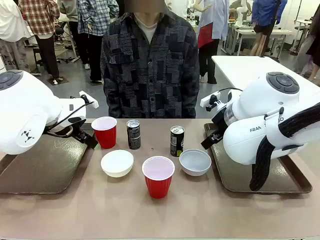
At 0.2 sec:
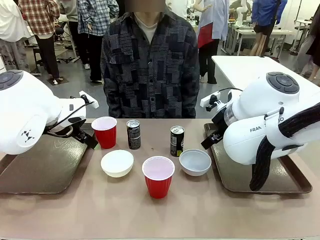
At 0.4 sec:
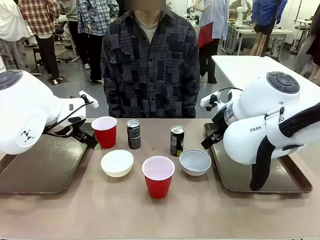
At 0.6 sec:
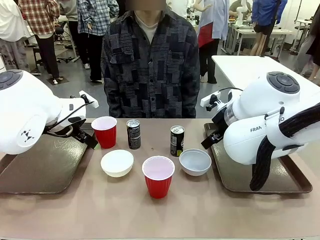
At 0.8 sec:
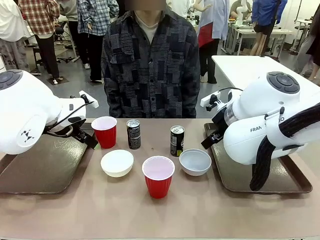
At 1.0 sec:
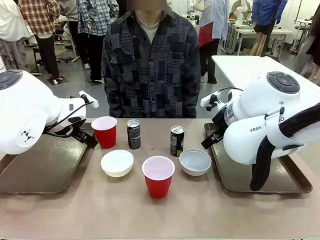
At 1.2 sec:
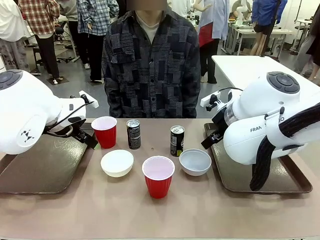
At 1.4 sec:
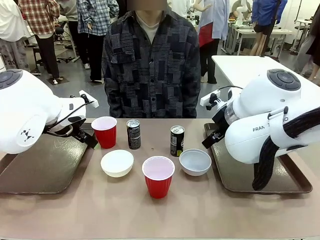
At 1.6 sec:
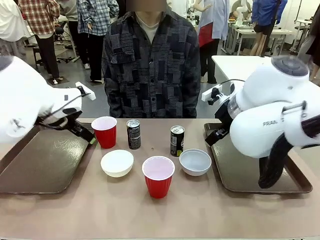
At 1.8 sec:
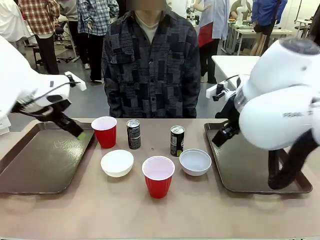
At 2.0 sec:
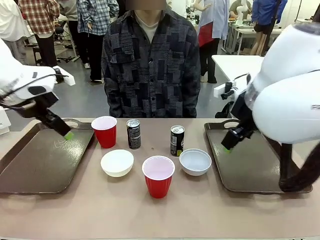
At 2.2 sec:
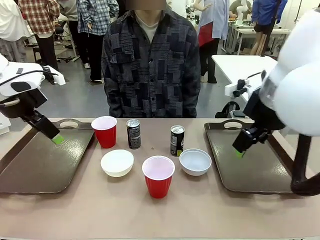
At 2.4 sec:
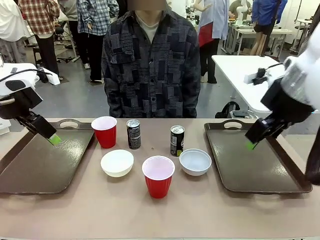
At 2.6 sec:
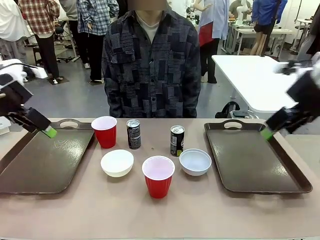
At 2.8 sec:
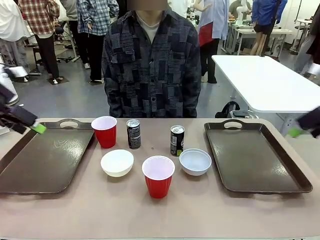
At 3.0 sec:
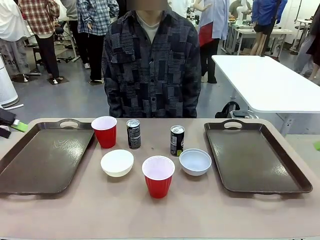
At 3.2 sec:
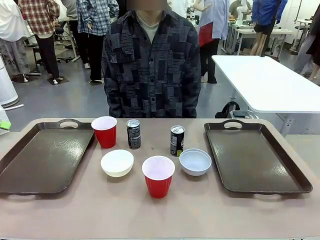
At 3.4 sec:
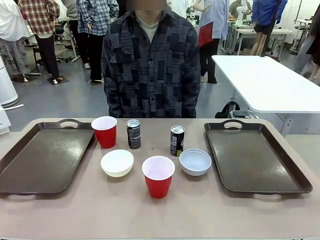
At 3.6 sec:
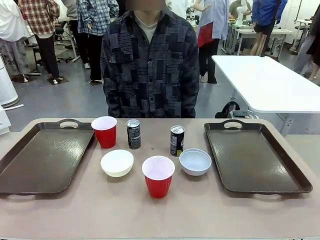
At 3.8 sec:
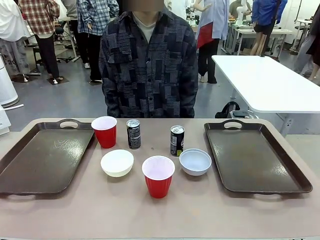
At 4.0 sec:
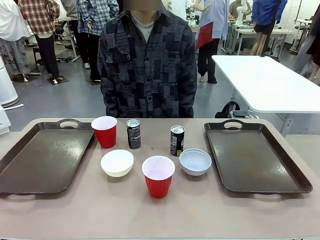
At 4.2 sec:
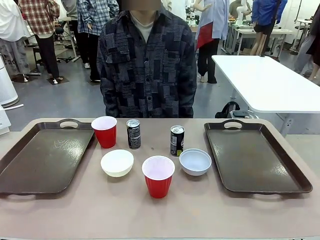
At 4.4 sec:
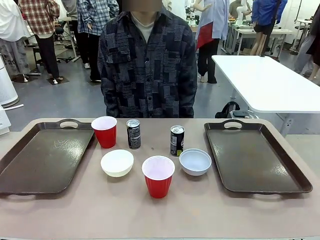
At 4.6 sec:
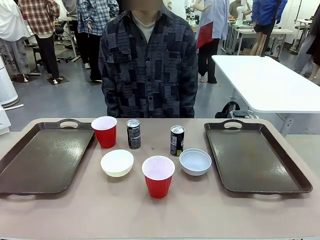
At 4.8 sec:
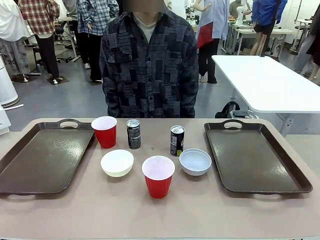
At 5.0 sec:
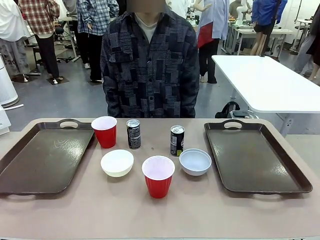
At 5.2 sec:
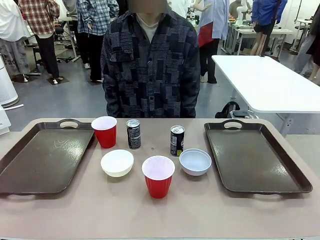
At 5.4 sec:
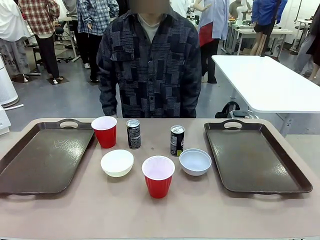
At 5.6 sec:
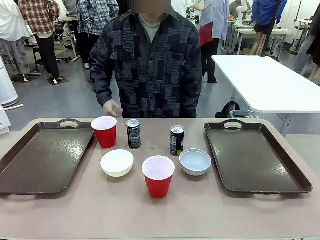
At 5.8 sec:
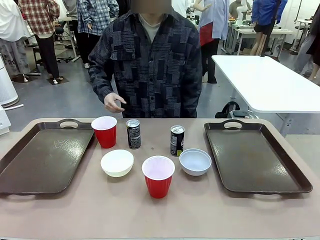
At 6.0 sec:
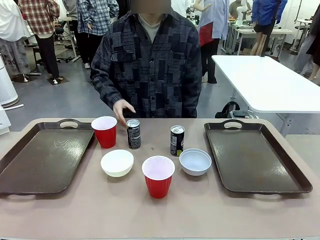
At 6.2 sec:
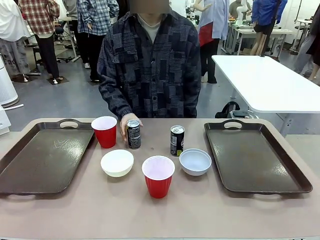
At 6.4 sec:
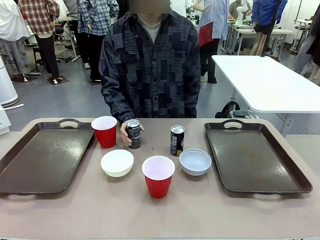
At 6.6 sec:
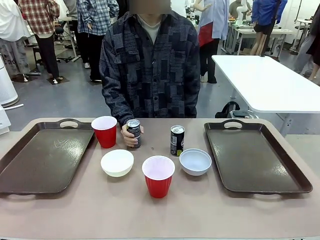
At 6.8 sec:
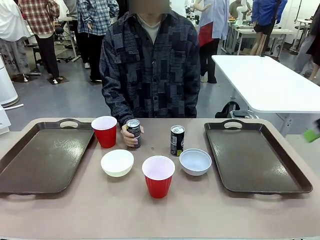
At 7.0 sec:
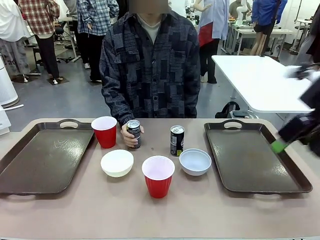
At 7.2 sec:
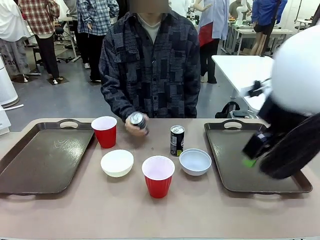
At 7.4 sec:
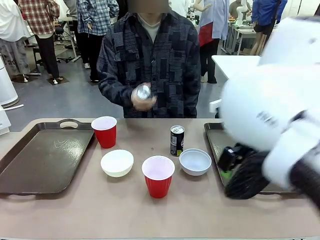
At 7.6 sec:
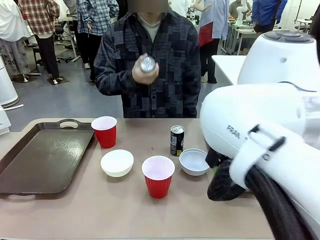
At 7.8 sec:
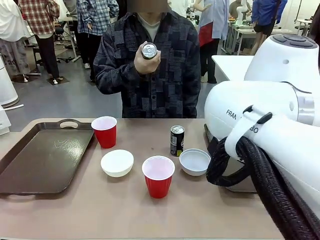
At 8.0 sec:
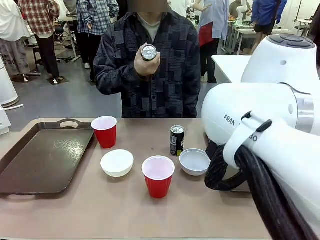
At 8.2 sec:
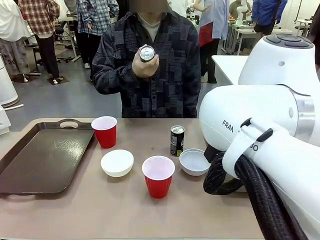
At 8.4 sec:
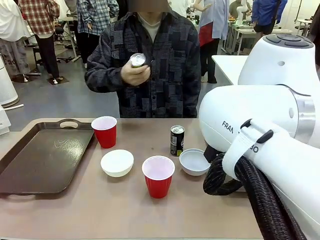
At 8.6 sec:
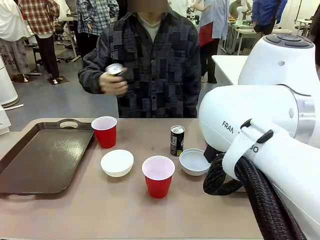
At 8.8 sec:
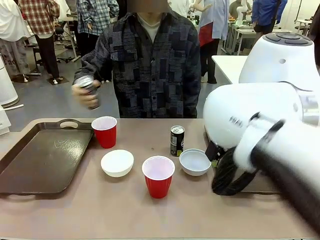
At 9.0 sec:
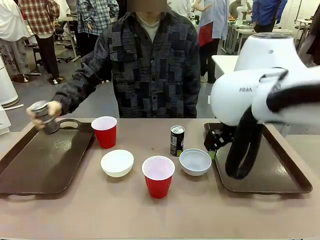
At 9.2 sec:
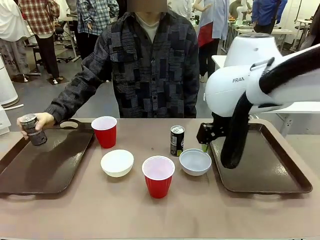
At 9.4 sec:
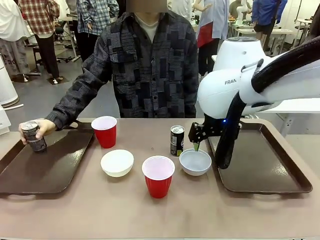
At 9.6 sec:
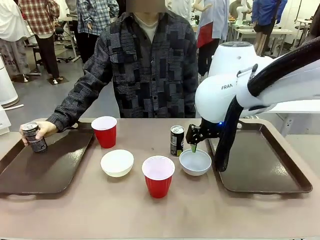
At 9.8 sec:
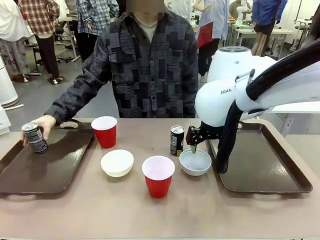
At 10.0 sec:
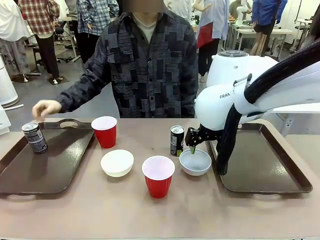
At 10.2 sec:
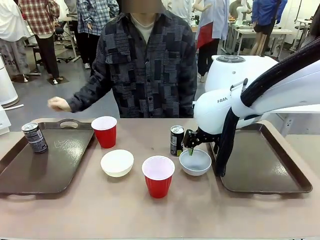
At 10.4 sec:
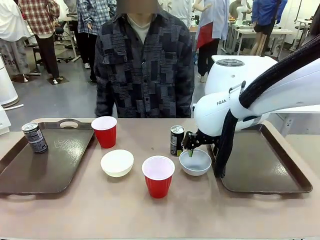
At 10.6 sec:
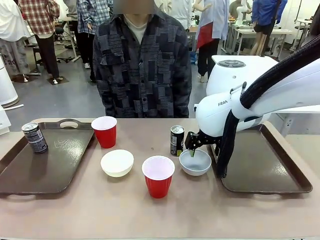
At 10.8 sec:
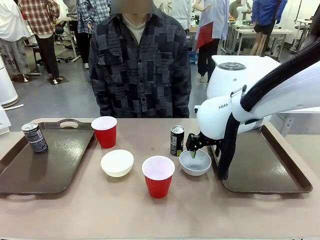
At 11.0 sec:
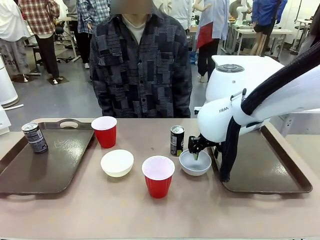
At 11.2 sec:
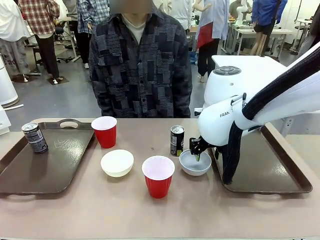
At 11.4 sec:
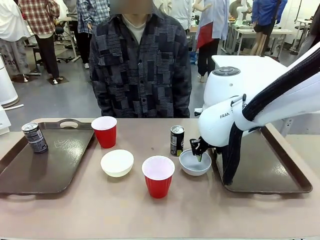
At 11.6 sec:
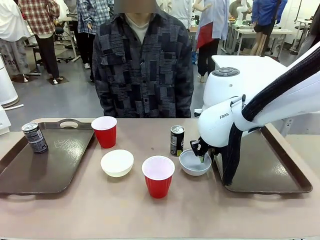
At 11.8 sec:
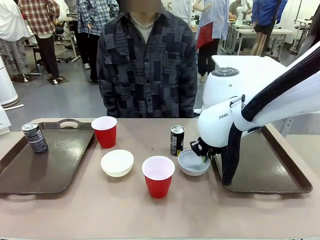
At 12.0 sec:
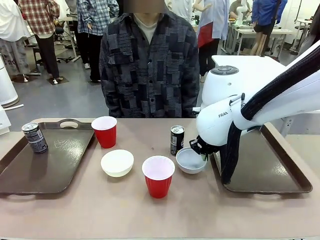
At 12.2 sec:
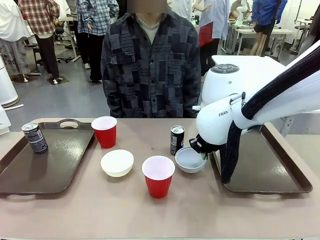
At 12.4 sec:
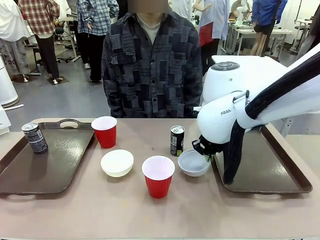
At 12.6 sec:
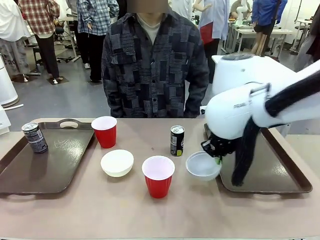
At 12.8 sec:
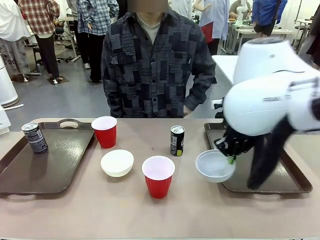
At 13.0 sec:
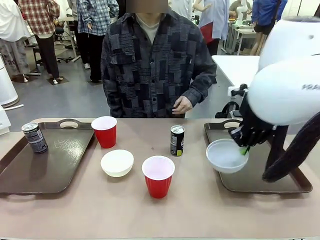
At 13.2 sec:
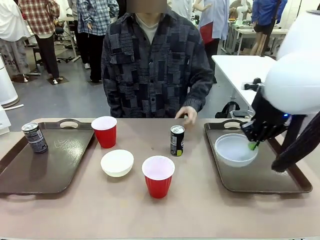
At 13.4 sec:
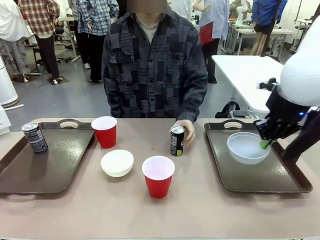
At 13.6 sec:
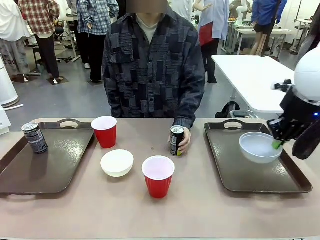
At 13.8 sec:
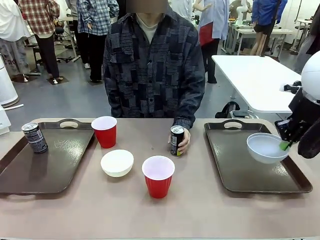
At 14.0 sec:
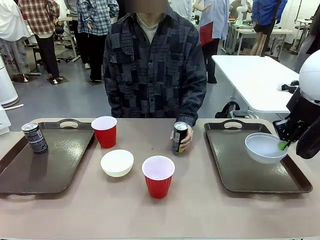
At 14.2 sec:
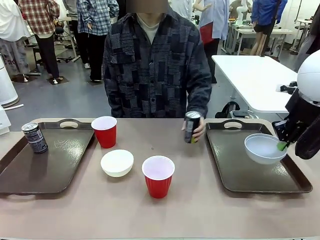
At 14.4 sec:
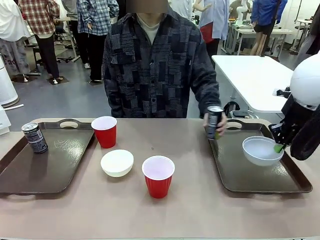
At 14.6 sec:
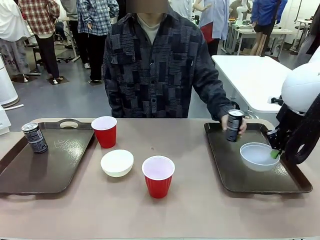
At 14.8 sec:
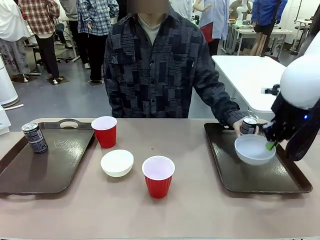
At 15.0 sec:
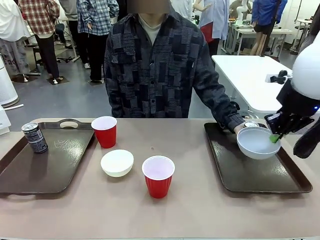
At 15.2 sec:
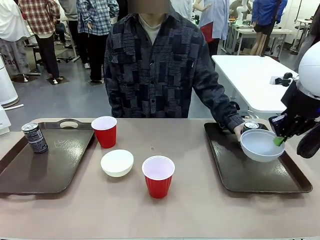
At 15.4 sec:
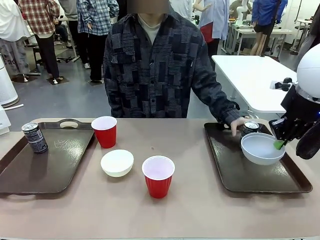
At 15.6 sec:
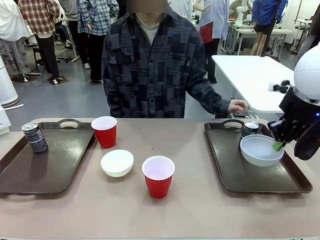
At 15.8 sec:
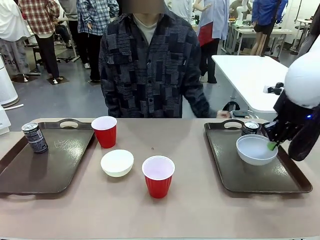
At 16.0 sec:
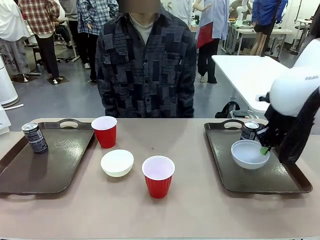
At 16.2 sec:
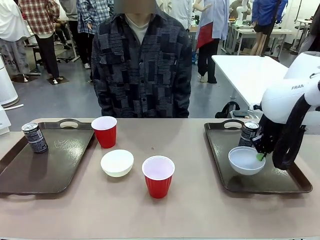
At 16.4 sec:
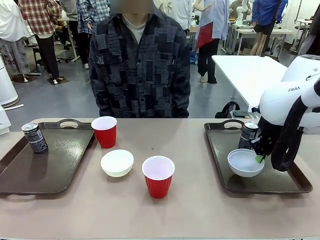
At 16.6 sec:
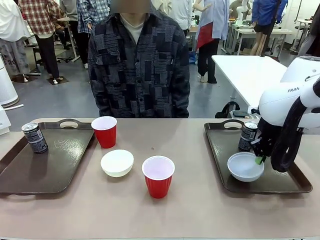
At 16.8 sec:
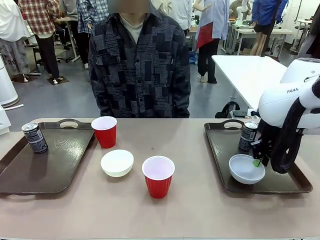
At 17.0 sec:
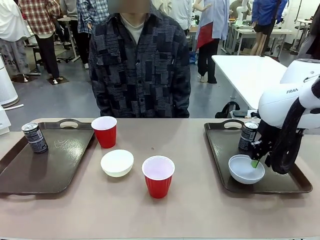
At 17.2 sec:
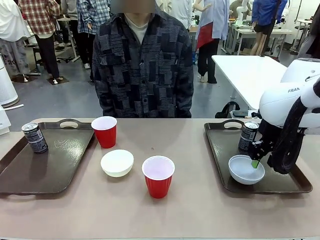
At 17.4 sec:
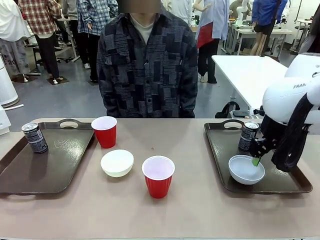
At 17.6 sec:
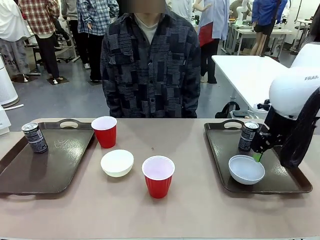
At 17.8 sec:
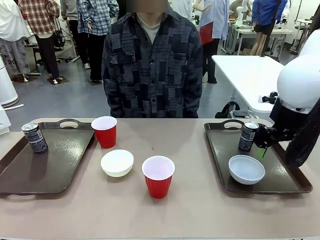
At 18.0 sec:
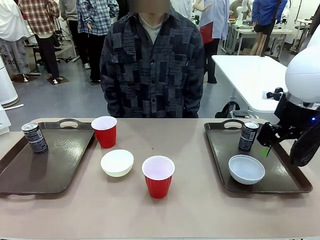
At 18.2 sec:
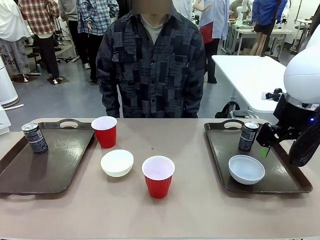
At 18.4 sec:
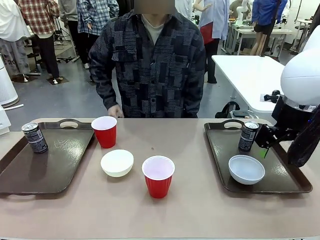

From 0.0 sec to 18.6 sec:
Task: Prepare tableware on both trays.
Robot: Pick up a Picnic Bowl from the table and place it on a Handle tray.
Person: Pick up a can or cup and place it on the tray.
